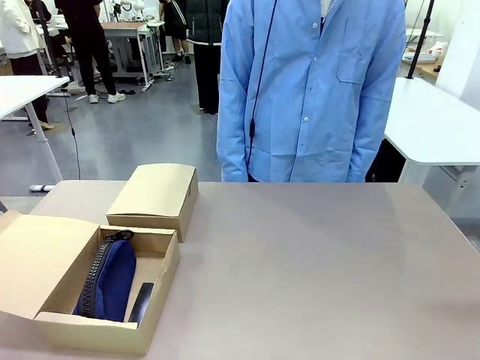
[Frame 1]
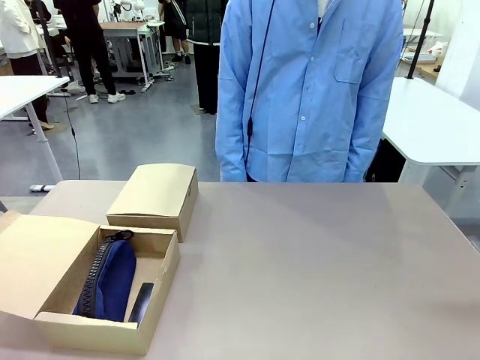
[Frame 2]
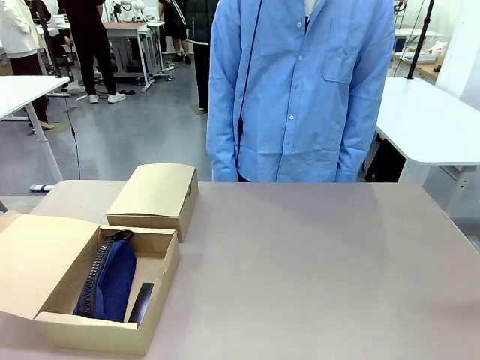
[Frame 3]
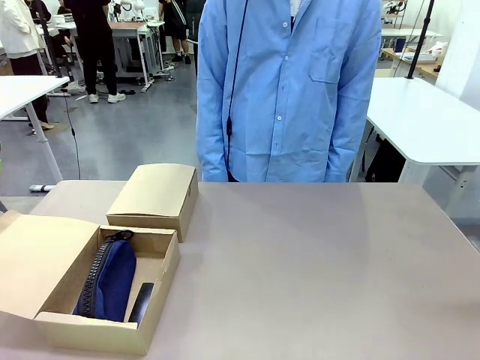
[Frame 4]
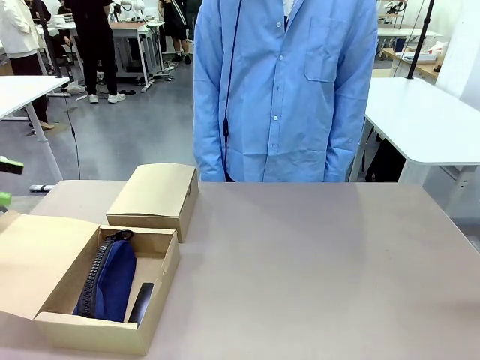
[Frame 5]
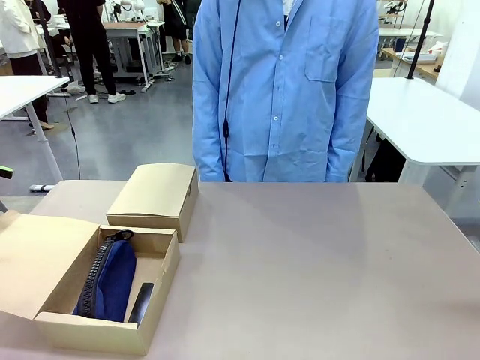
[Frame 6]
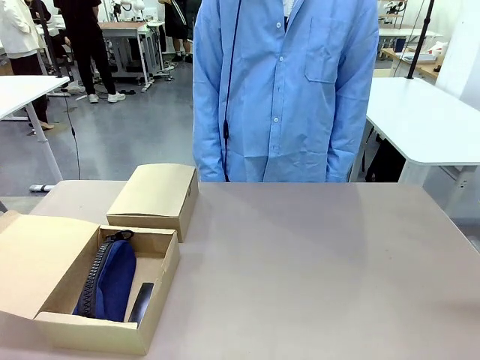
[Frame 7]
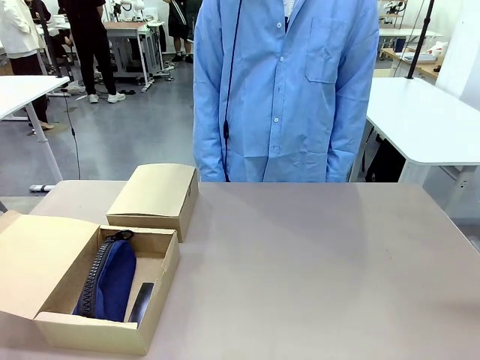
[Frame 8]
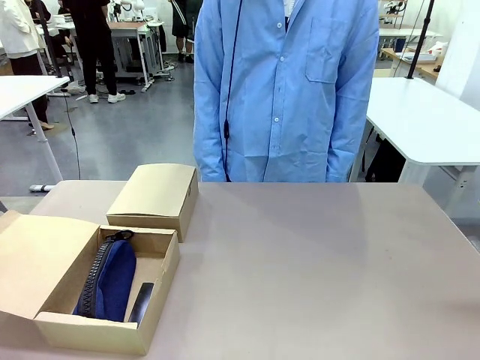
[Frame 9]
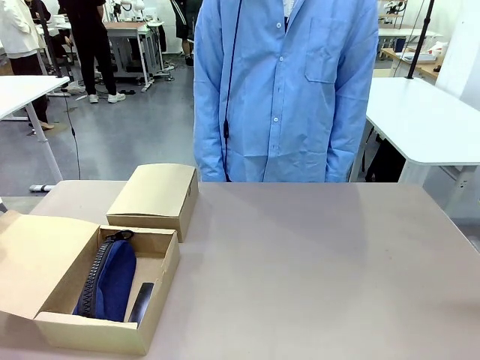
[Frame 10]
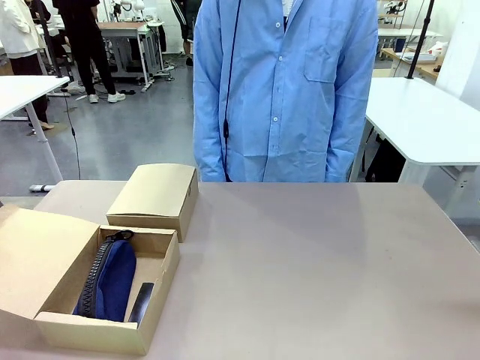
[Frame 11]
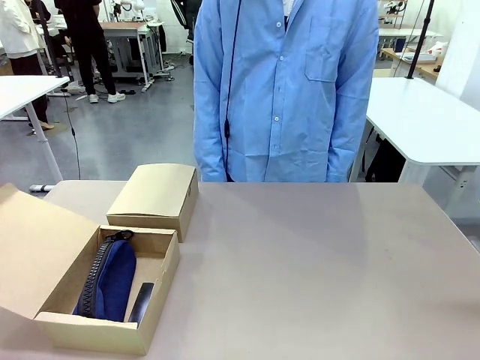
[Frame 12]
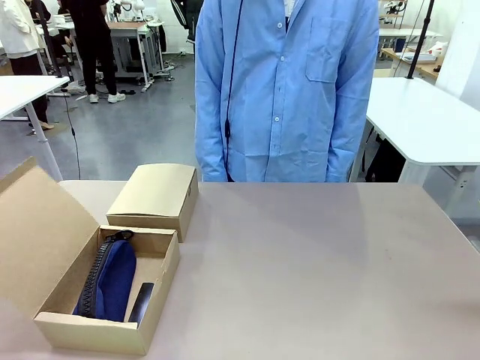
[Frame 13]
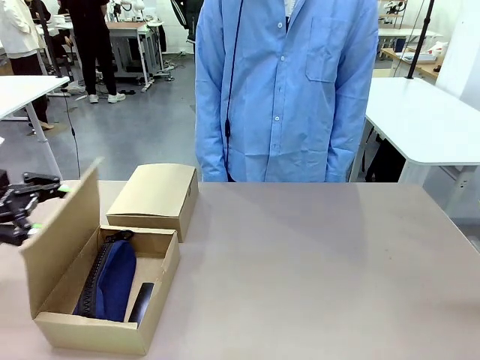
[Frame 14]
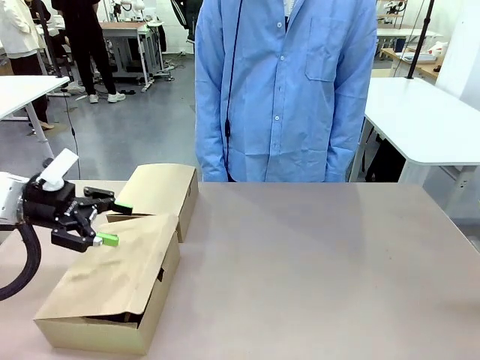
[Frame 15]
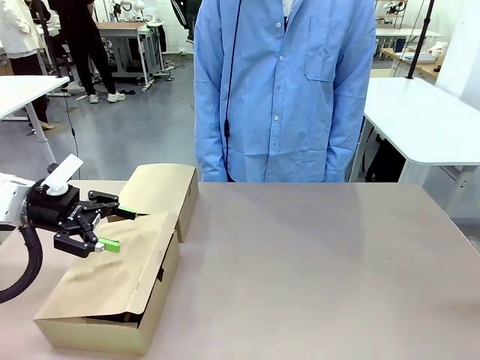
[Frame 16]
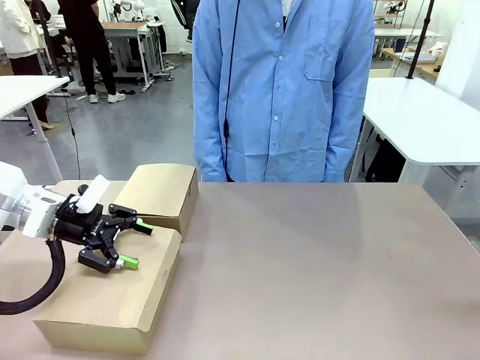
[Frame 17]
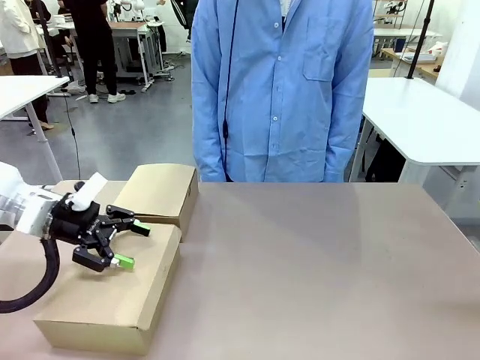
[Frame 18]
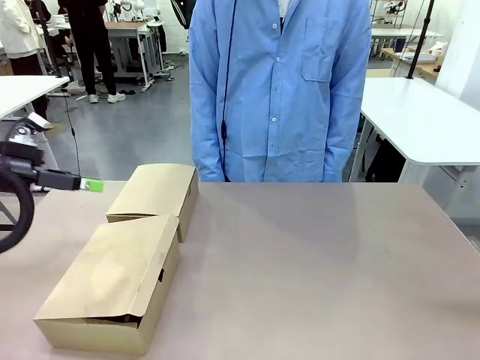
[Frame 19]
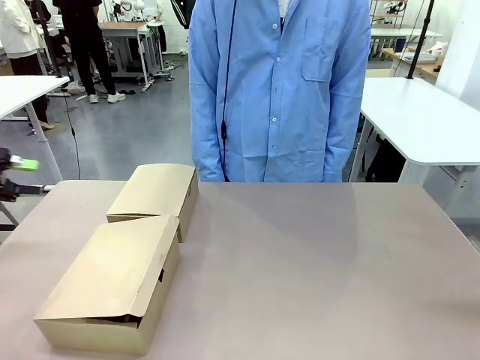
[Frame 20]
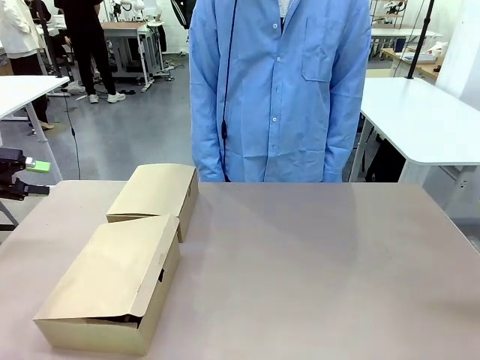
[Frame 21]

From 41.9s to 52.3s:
Task: Place items inside the box.
Robot: Close the lid of the Mailer Box closest to the robot.

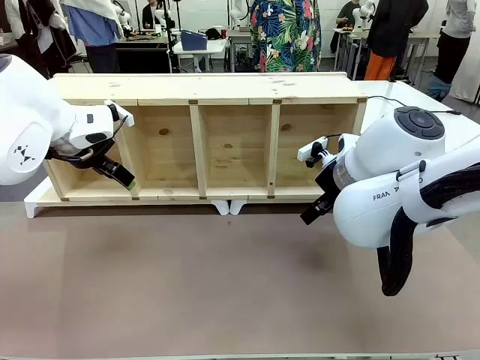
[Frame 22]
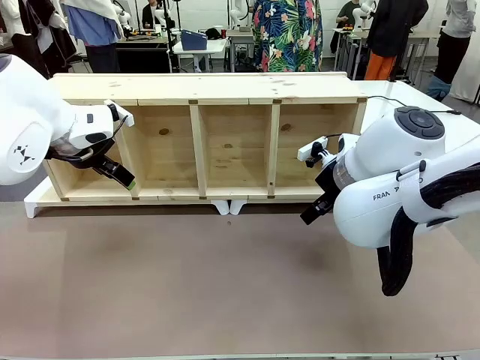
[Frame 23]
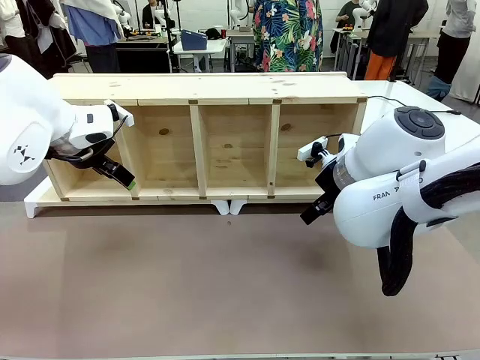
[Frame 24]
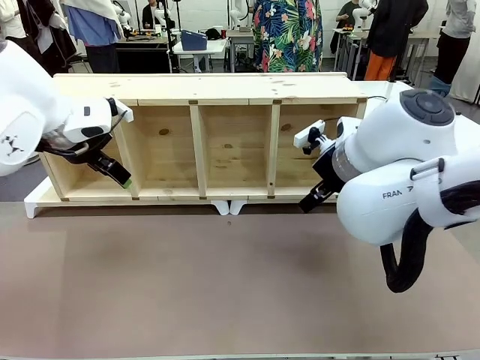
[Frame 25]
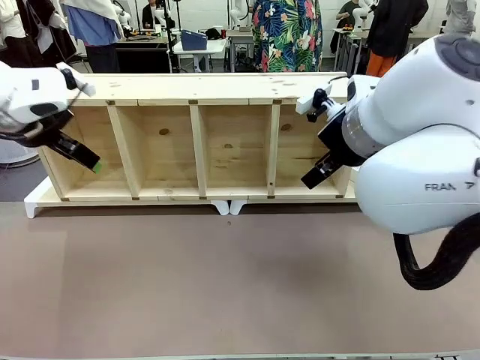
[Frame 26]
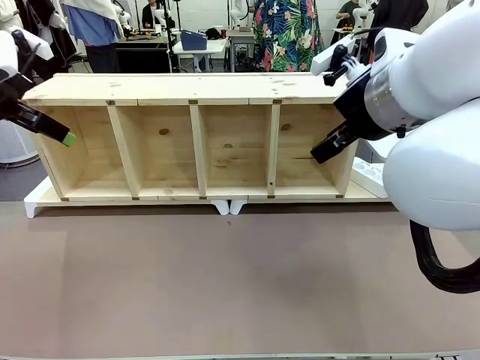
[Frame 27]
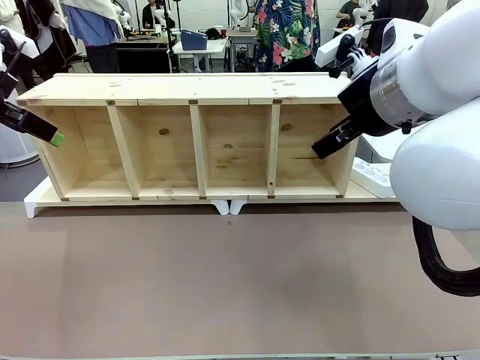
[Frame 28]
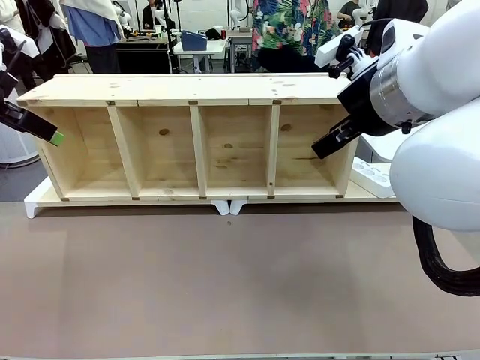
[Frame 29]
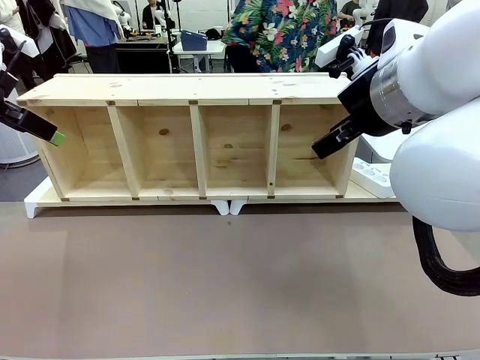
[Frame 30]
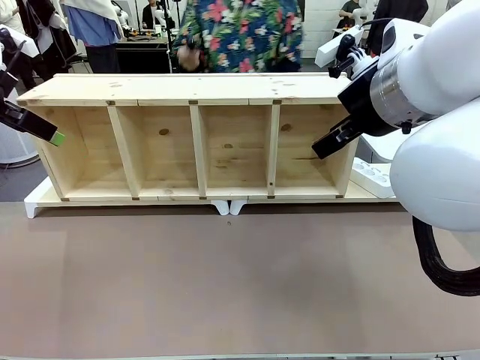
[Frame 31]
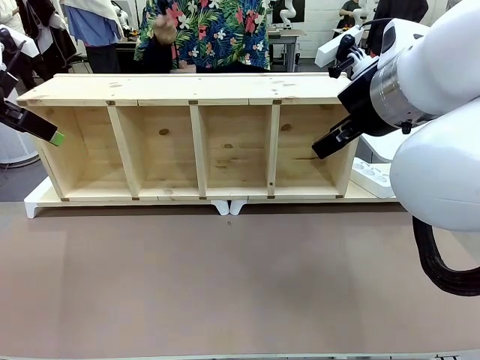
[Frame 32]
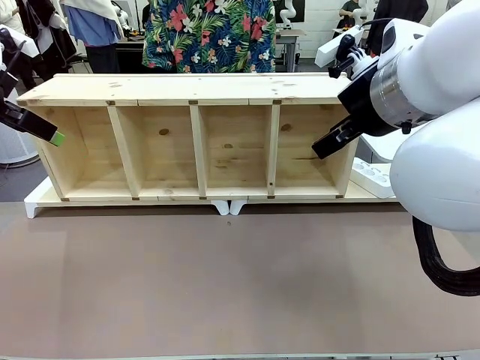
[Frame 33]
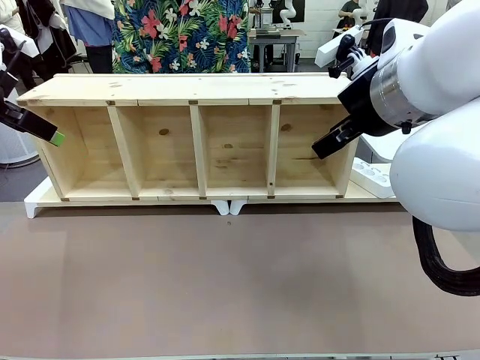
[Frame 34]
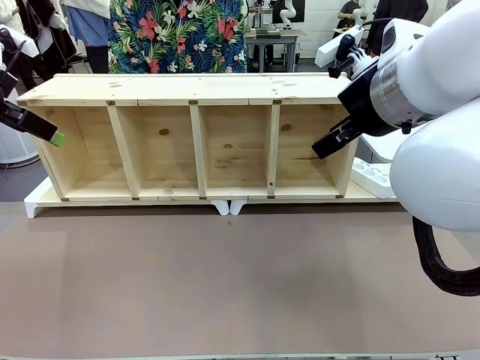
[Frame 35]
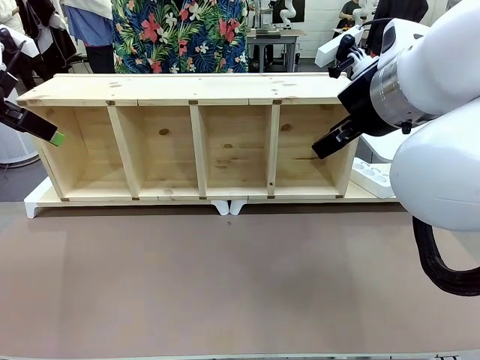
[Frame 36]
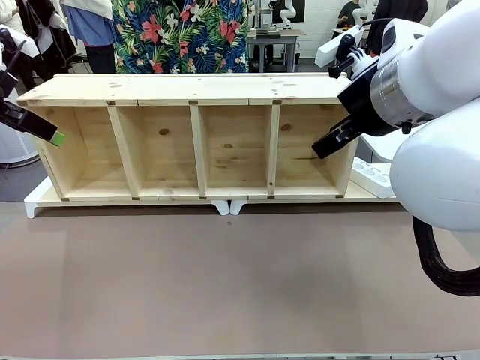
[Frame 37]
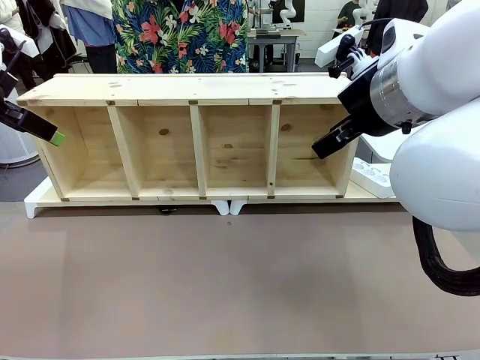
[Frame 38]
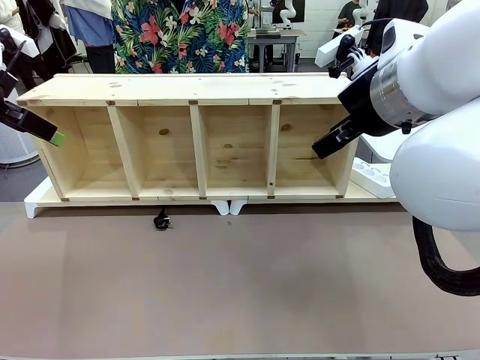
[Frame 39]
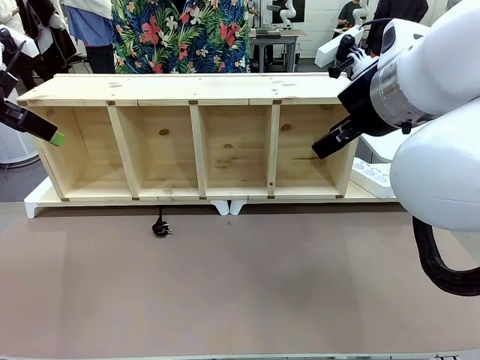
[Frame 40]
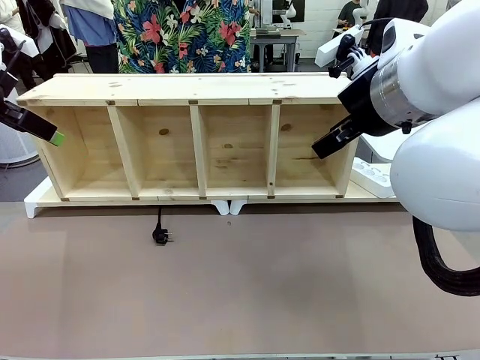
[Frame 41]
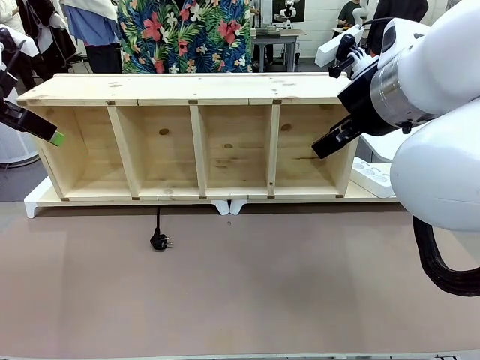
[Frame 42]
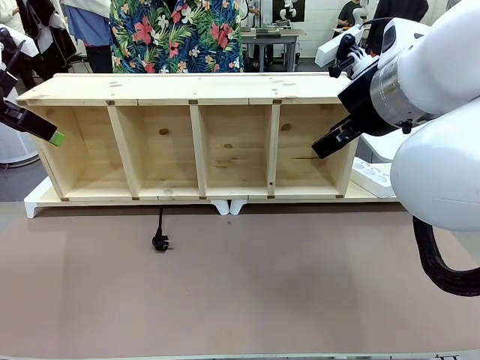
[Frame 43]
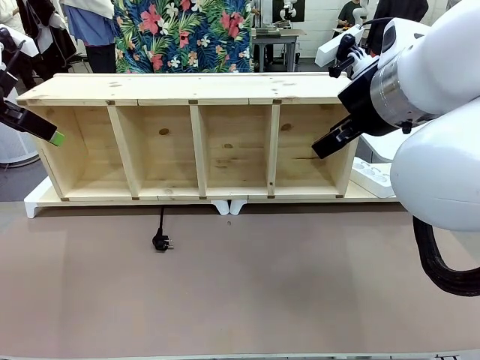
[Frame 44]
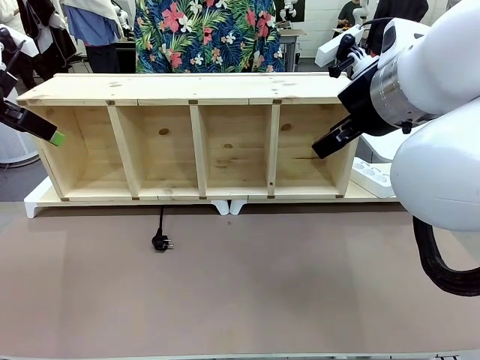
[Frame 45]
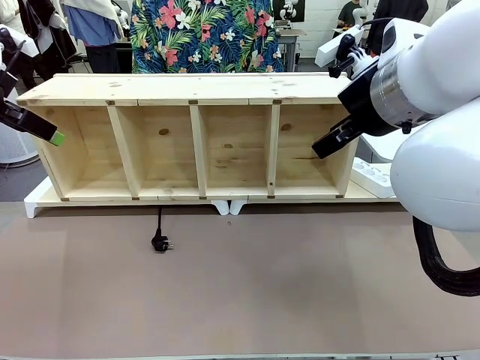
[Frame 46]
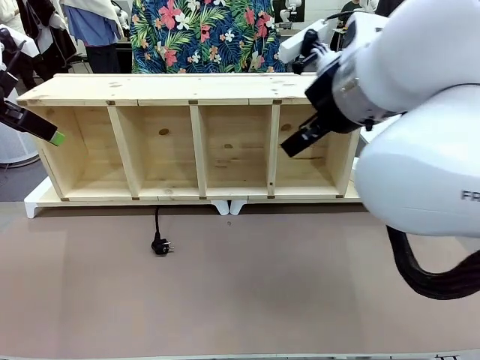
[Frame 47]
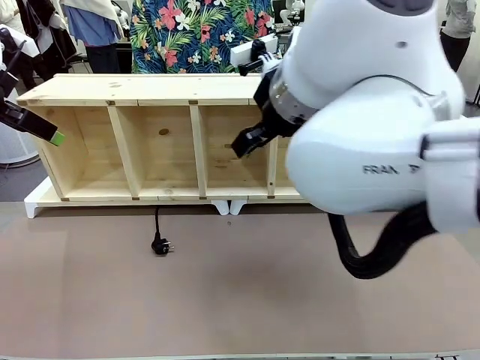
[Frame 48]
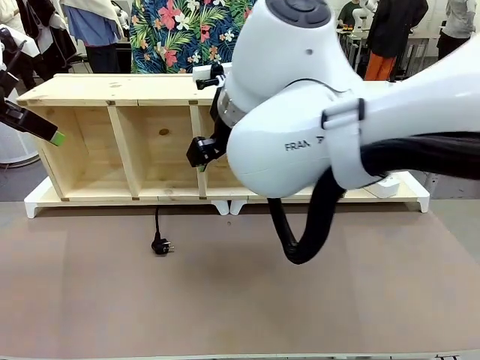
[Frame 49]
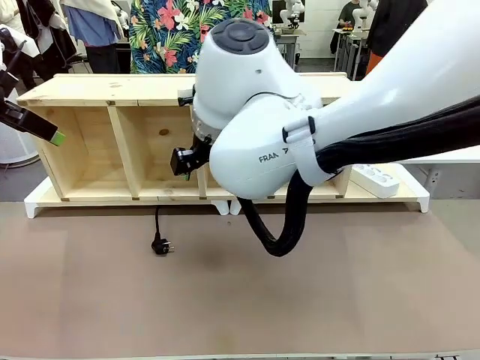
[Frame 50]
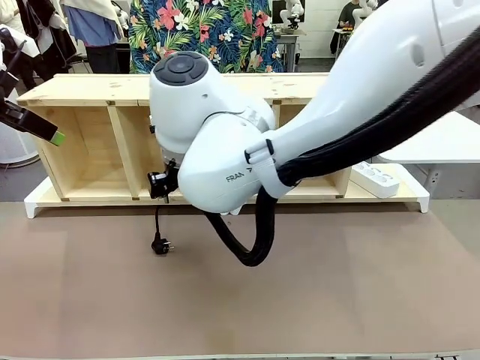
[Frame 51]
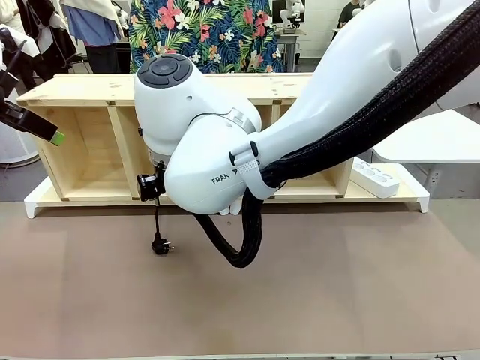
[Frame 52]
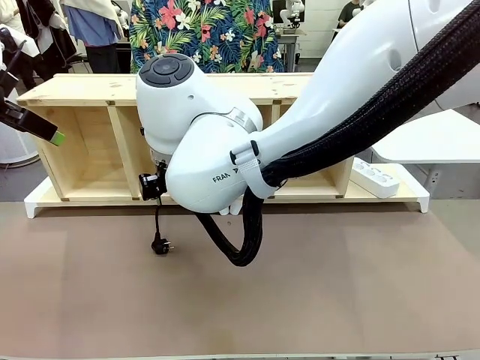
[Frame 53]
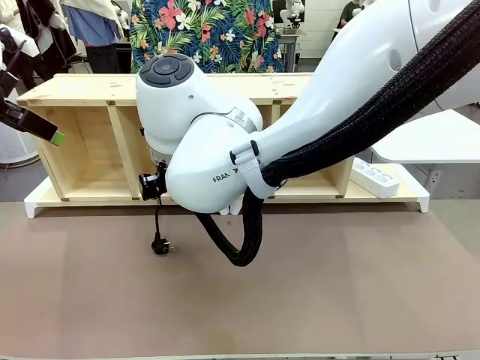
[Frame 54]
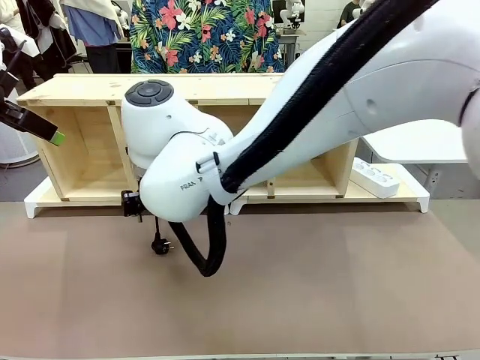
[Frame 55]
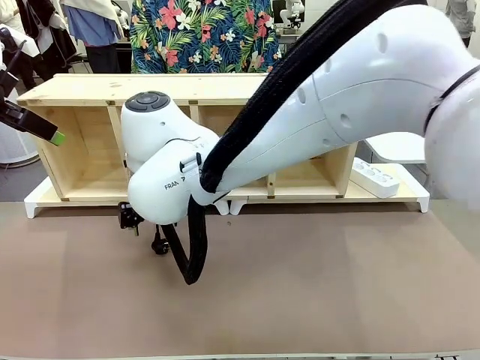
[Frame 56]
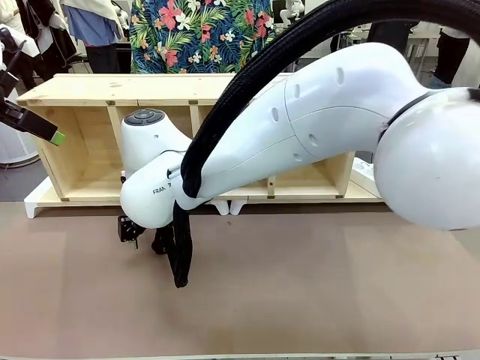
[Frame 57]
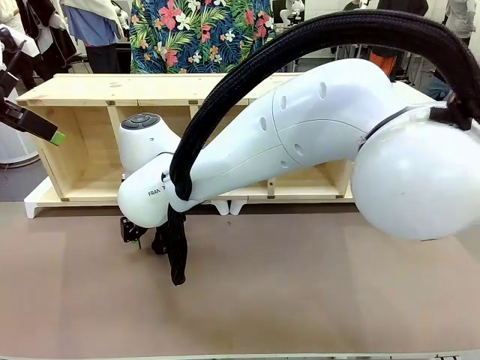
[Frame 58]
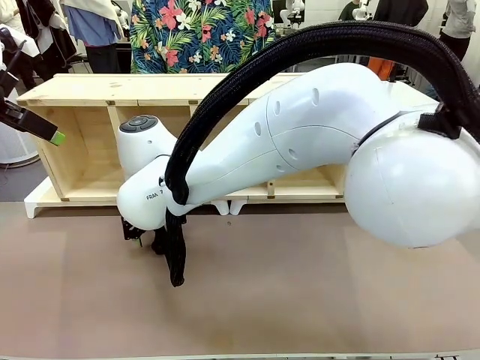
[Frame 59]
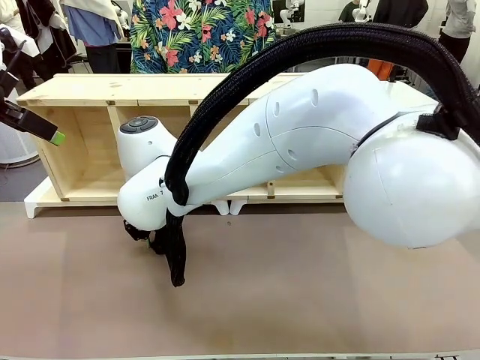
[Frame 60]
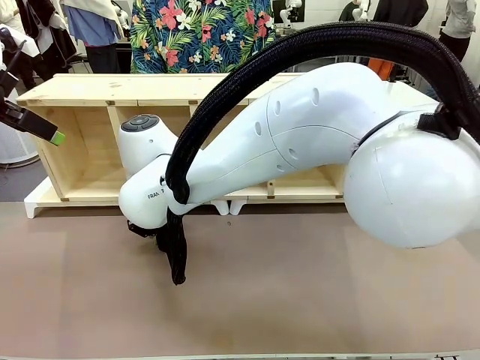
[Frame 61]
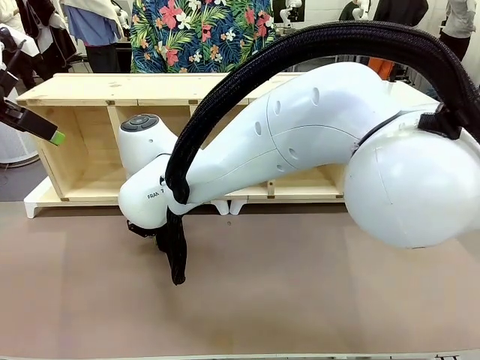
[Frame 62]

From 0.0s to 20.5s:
Task: Perform cable management.
Robot: When the cord part of the Power Cable appears at the lower middle area of the table and stops, grasp the cord part of the Power Cable.
Person: Pass the Power Cable under the Serving Table.
